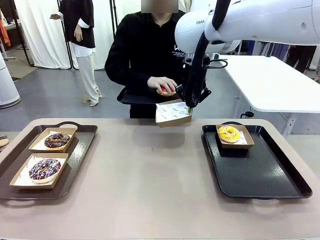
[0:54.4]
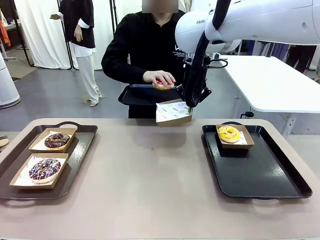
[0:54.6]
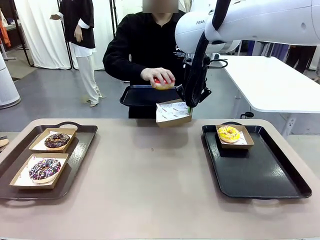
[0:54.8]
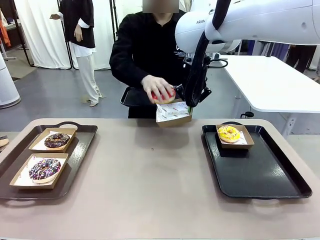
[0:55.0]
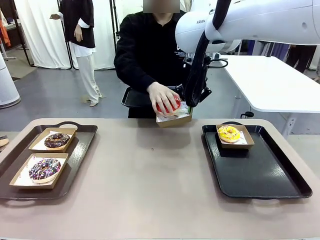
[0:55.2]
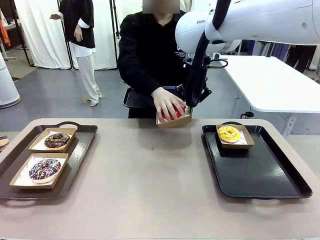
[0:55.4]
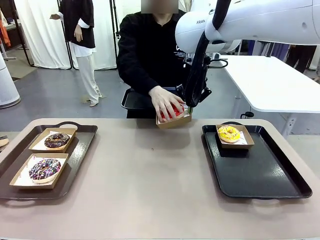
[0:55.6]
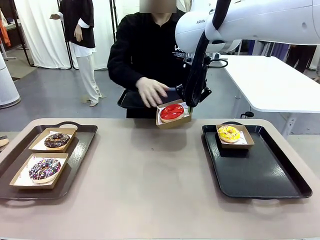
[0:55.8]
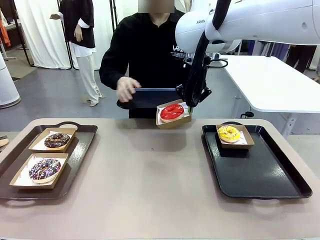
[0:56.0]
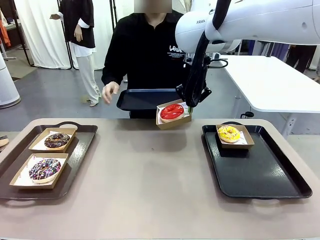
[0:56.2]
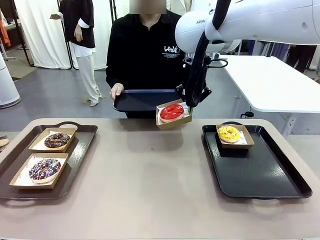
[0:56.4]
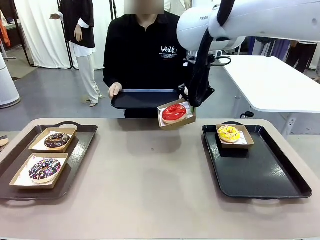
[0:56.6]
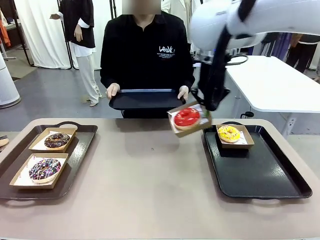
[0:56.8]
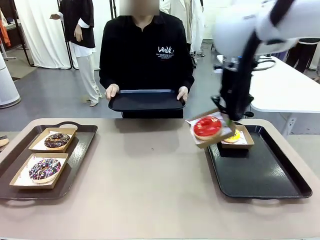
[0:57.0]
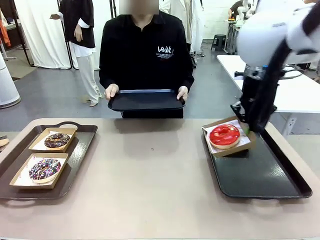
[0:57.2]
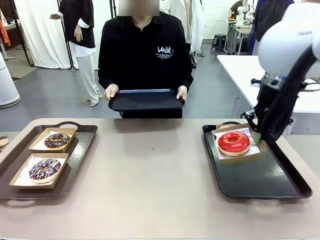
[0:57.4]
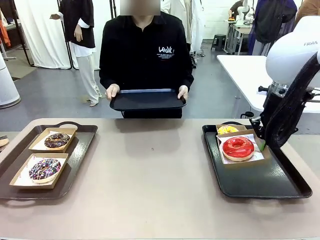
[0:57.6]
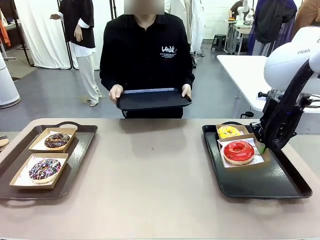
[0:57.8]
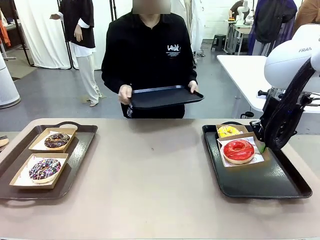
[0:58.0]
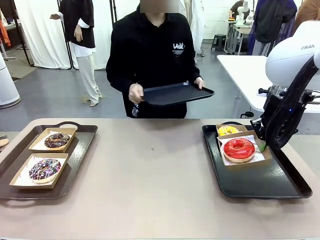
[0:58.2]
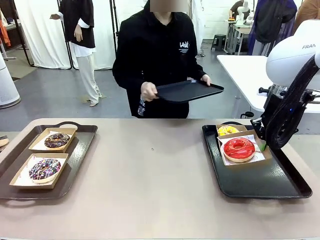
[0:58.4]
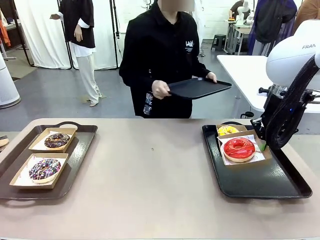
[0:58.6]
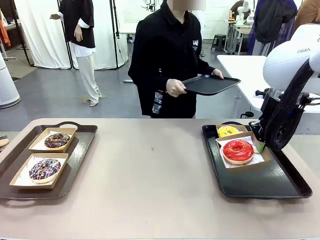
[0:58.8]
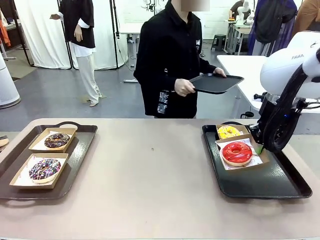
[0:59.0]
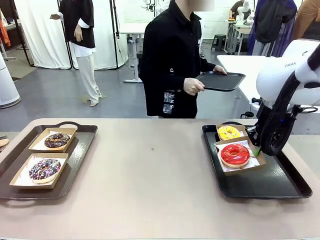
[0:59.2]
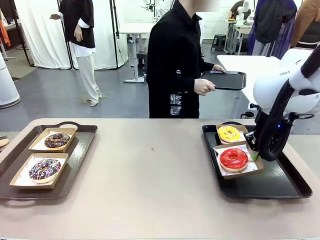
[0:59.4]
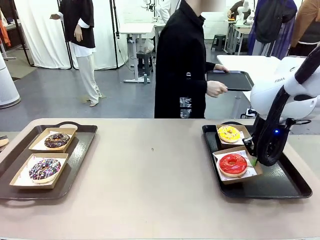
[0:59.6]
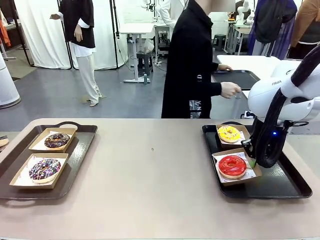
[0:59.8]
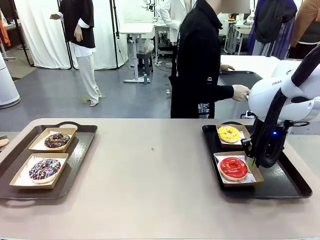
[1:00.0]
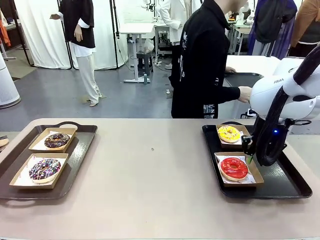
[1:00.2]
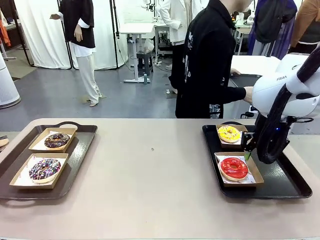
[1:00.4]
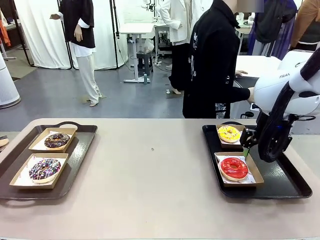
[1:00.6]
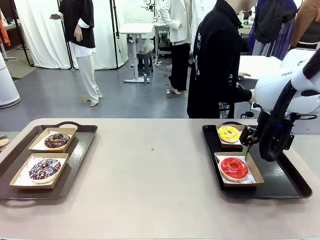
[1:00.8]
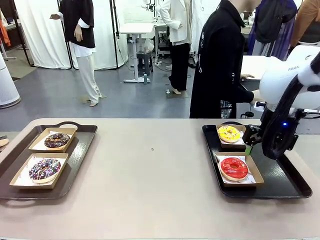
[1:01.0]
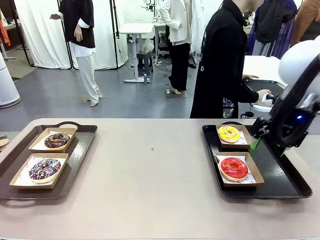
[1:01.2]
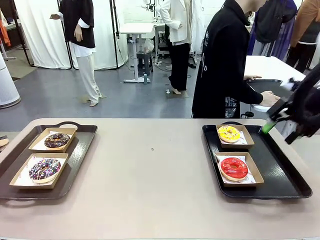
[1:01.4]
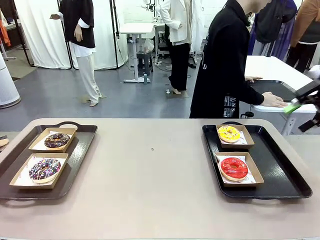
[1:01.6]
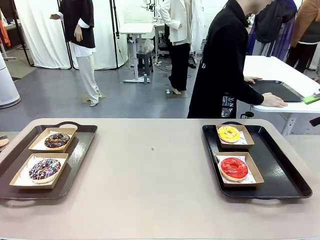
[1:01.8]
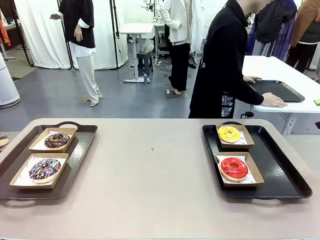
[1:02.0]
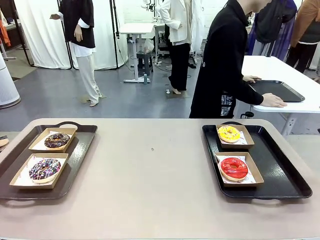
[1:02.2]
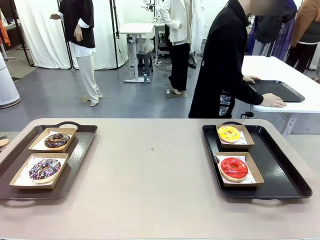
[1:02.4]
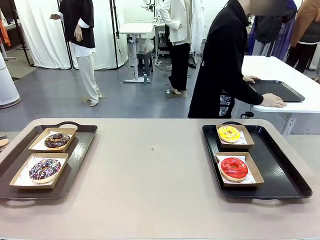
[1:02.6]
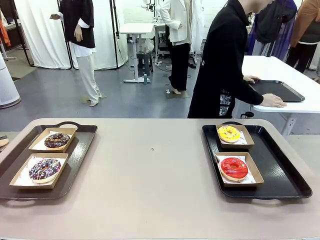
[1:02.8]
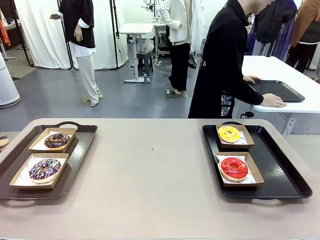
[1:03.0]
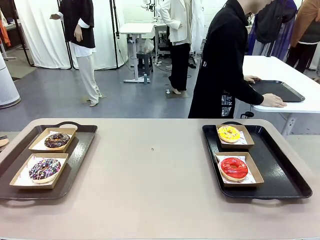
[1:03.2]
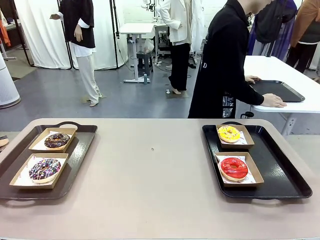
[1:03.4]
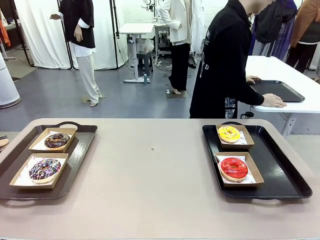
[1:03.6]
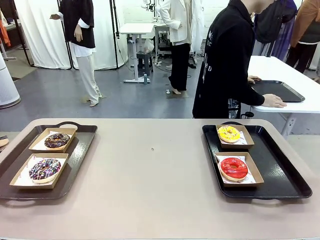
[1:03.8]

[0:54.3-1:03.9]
Task: Individually package the donuts and arrange them on the tray.
Robot: Place the picked Paper togo box on the Handle tray.
Person: Place the tray down in the middle of the human table.

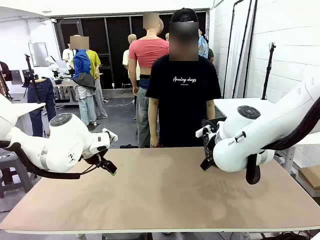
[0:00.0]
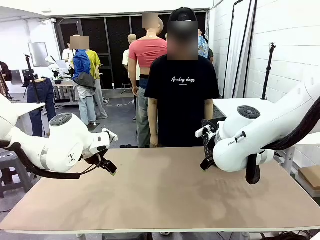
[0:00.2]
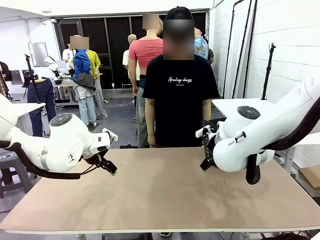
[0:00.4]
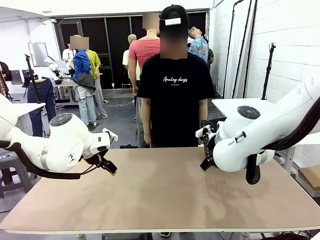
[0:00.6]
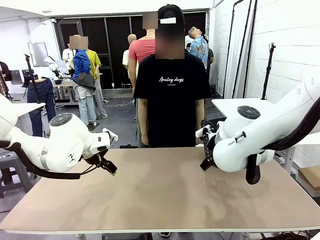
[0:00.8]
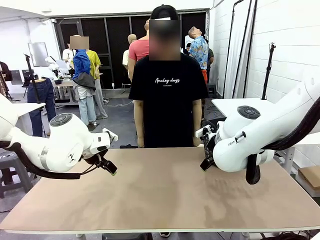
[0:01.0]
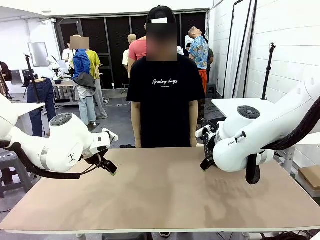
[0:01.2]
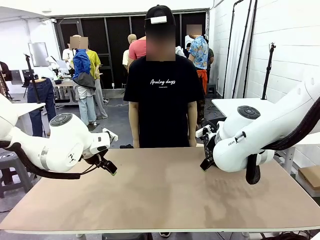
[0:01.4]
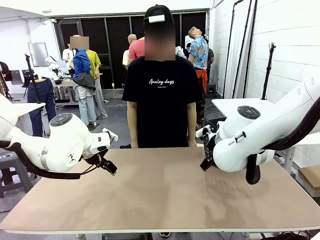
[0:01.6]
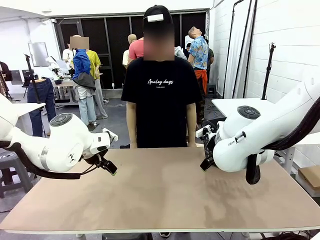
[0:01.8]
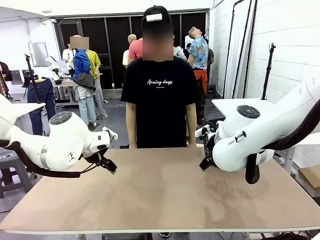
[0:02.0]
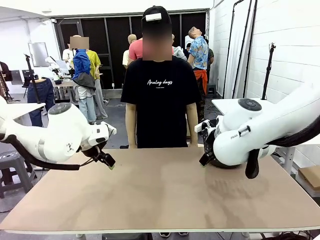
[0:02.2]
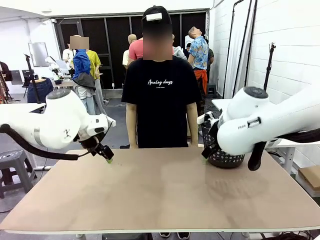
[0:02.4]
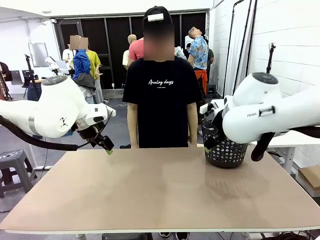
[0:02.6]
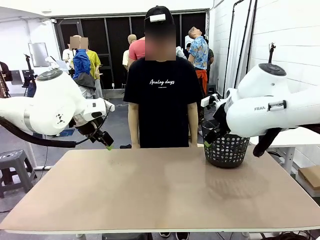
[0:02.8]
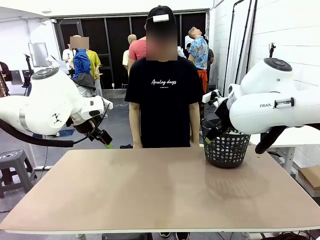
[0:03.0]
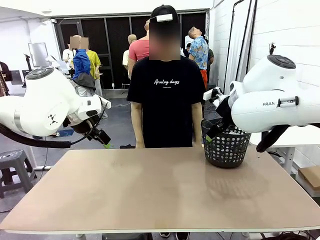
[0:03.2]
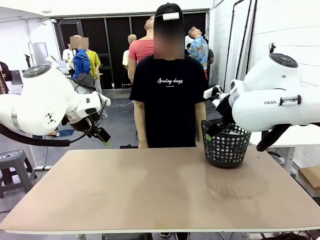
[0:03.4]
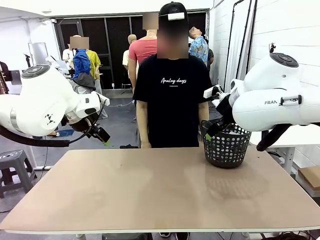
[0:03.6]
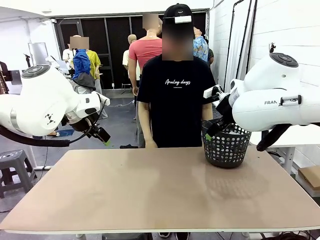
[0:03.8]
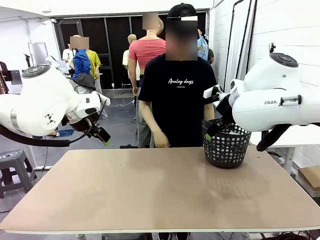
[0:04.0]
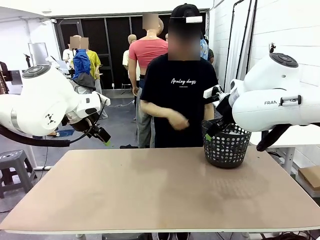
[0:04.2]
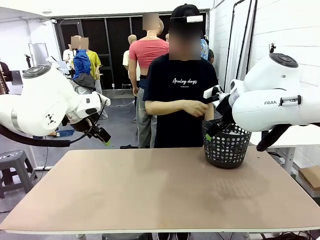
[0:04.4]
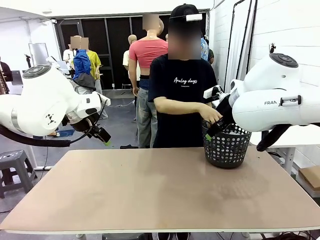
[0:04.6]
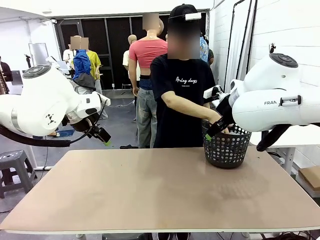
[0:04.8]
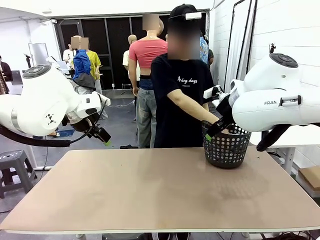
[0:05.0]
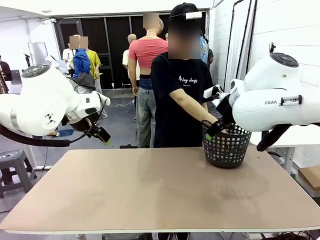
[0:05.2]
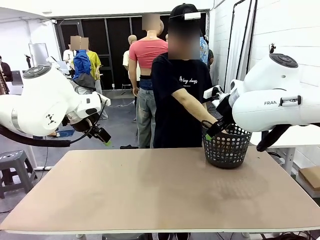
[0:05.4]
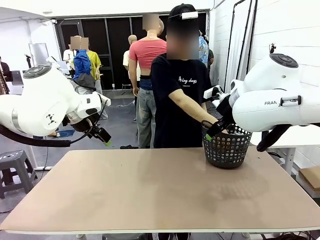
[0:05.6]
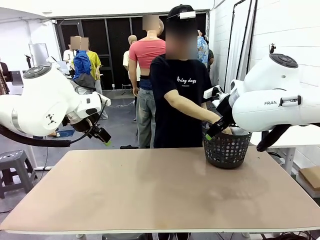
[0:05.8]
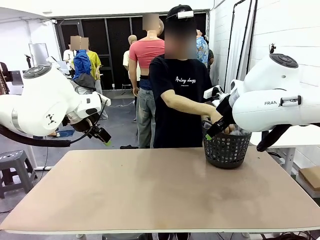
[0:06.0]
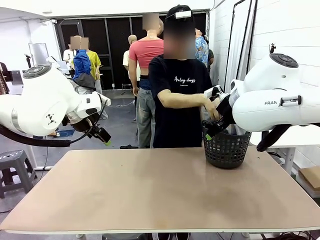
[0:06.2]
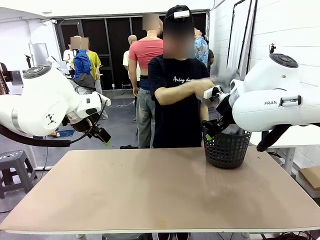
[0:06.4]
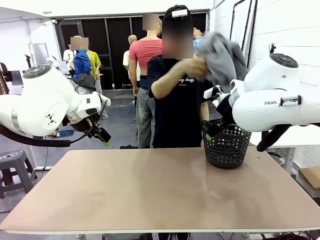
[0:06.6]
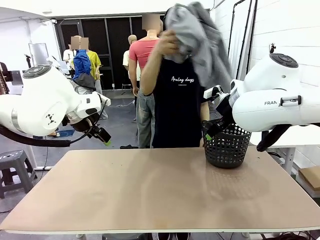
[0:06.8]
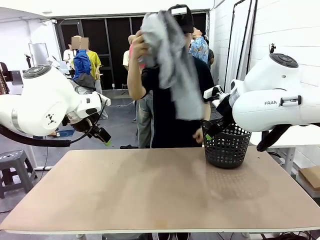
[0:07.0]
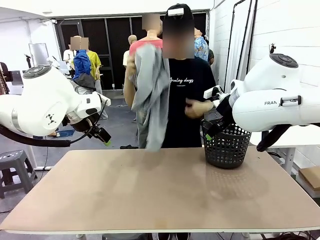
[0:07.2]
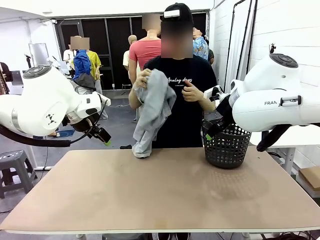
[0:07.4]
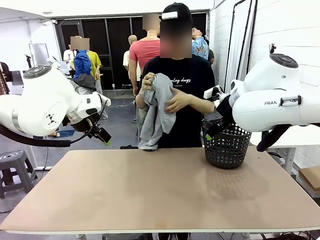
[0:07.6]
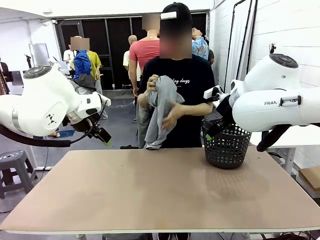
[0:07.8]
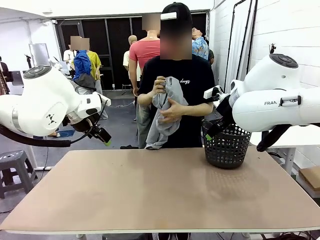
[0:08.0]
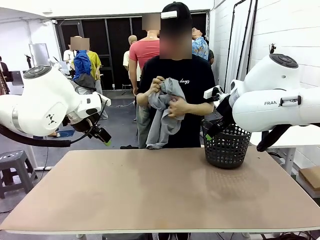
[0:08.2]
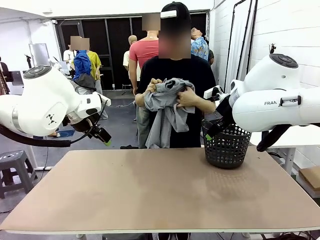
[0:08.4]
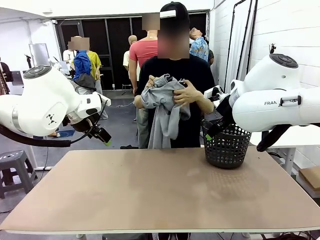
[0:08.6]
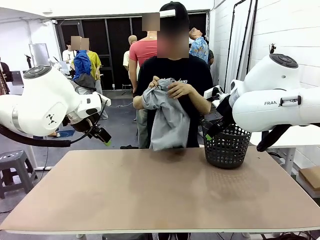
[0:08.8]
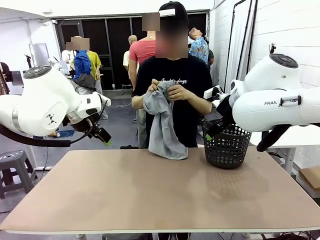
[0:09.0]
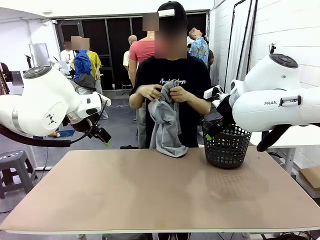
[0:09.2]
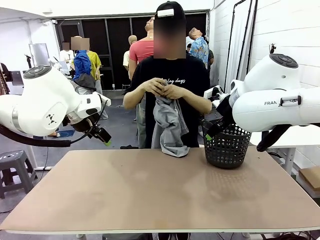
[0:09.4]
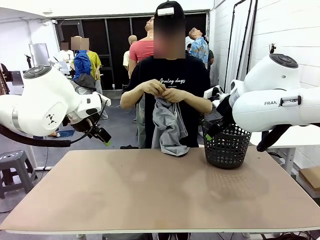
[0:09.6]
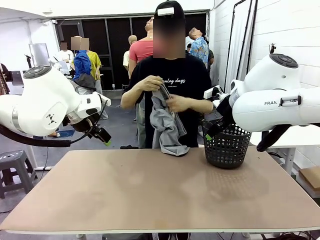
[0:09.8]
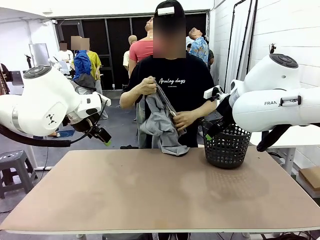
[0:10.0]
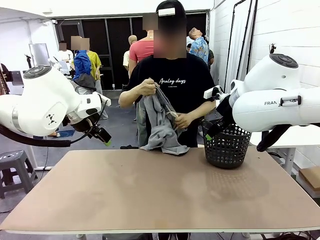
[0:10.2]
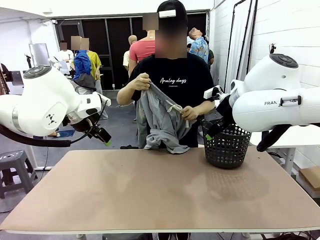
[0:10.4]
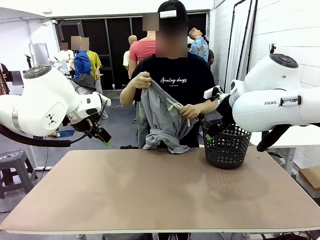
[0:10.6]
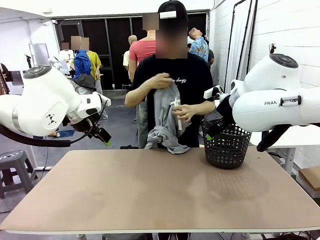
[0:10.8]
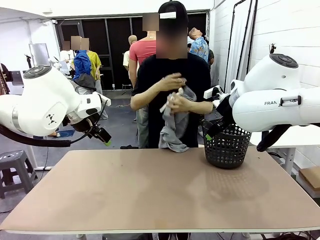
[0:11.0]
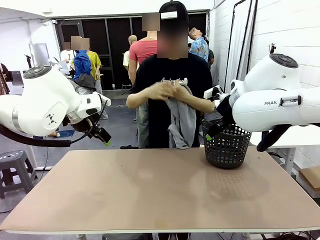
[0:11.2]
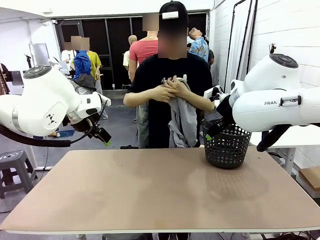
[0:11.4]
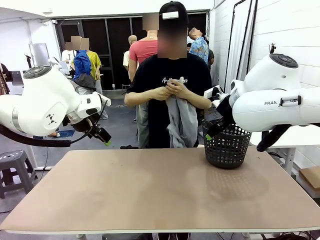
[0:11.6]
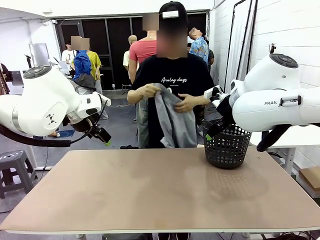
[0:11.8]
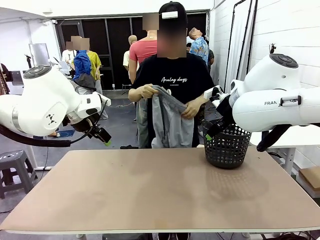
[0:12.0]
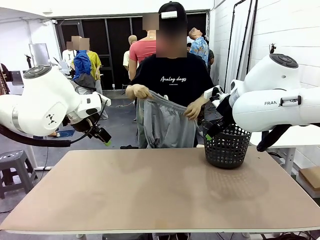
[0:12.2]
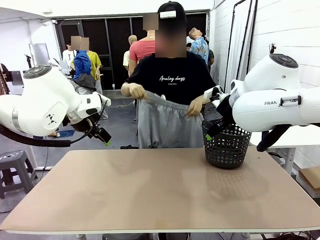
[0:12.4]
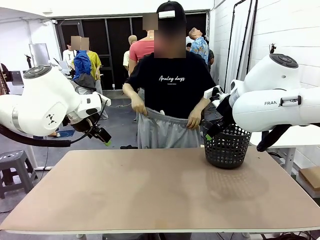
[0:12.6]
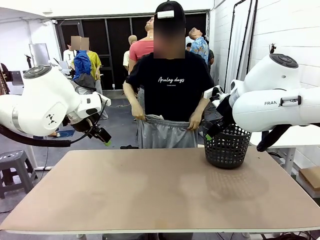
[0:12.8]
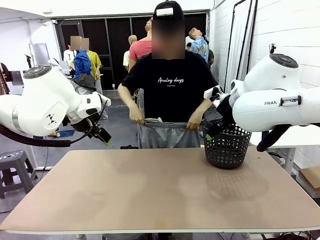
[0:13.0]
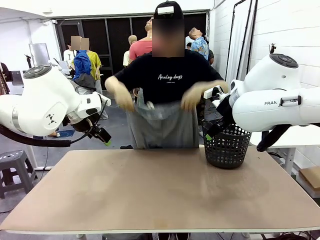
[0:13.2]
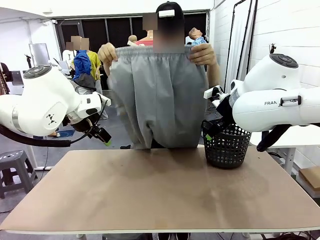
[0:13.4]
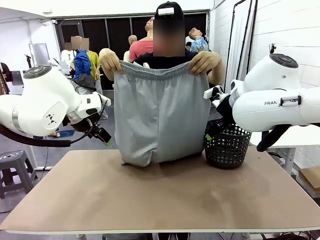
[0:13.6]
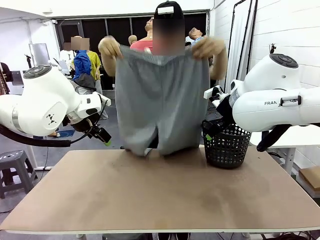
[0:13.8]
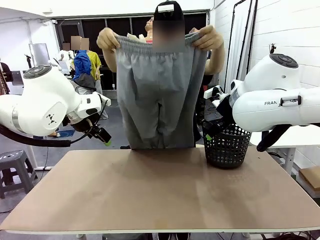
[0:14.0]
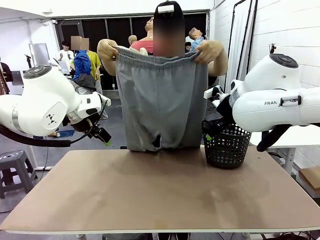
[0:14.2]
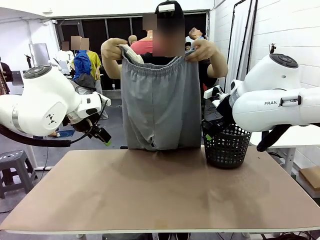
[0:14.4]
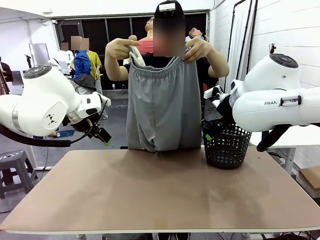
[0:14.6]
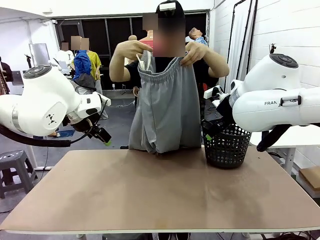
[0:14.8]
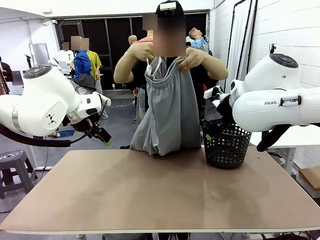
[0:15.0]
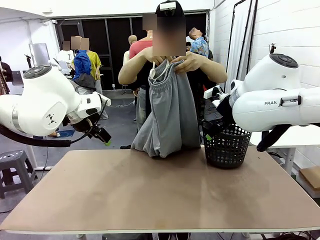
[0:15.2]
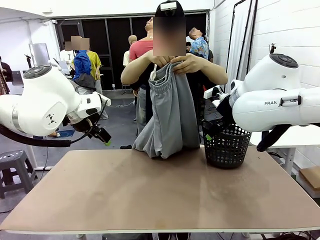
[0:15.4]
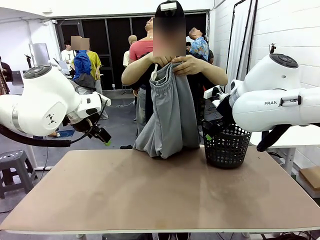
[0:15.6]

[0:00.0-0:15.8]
Task: Fold the training pants.
Robot: Grab both ends of the Training pants handed by a person.
Person: Take the long pants out of the laundry basket, unfold them, fold the waist in half, and extend them so the robot can pick up both corners.
